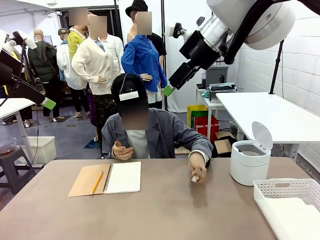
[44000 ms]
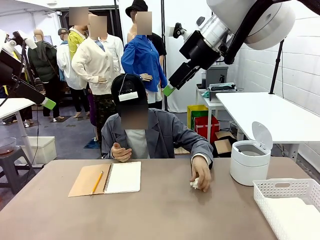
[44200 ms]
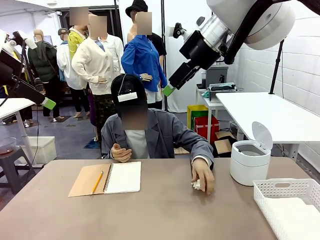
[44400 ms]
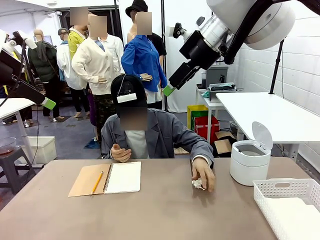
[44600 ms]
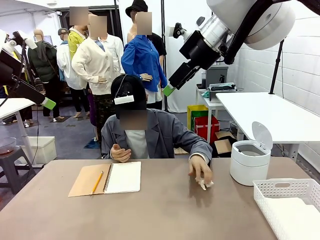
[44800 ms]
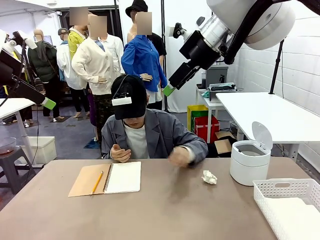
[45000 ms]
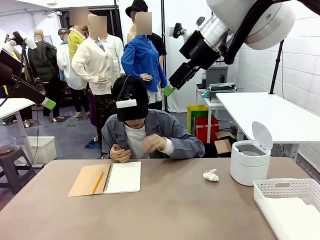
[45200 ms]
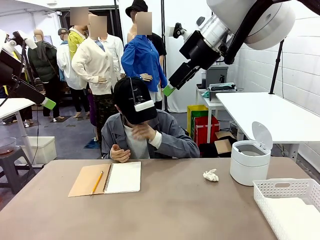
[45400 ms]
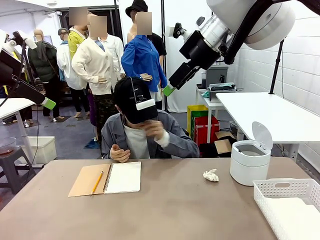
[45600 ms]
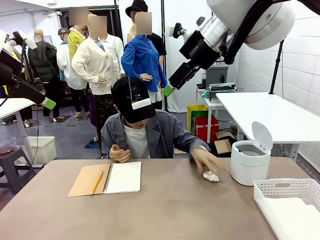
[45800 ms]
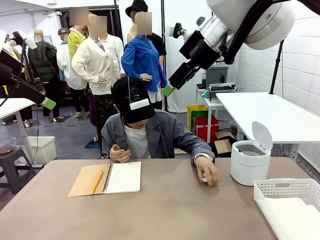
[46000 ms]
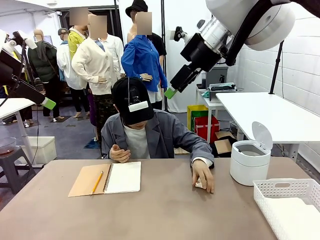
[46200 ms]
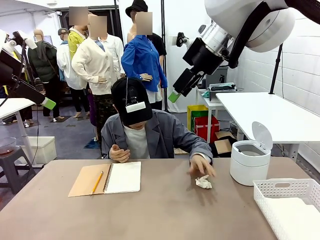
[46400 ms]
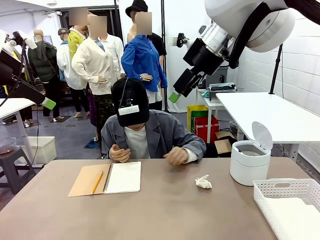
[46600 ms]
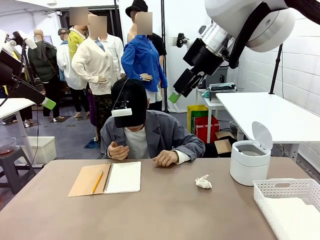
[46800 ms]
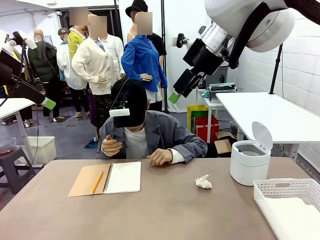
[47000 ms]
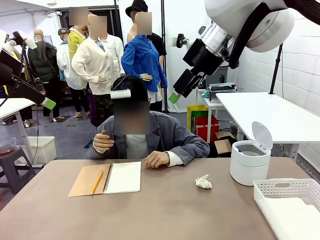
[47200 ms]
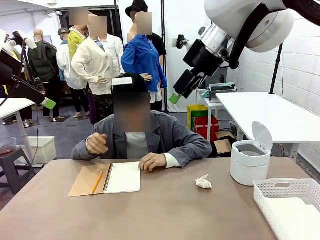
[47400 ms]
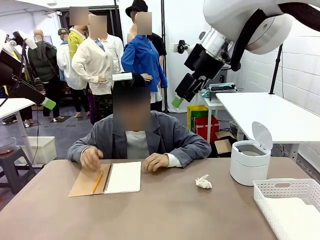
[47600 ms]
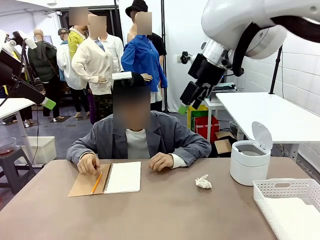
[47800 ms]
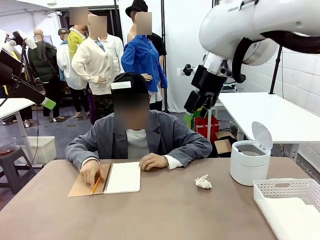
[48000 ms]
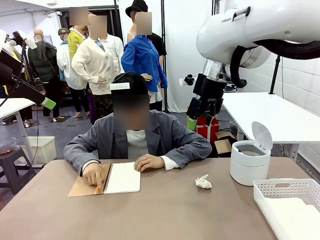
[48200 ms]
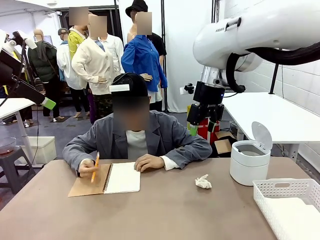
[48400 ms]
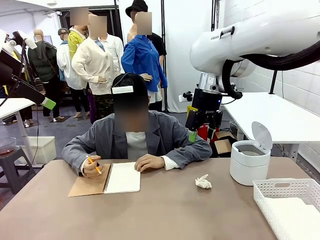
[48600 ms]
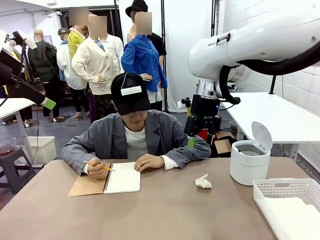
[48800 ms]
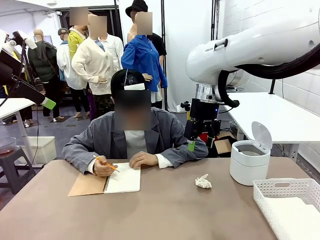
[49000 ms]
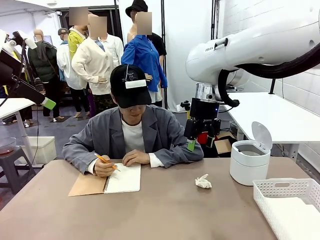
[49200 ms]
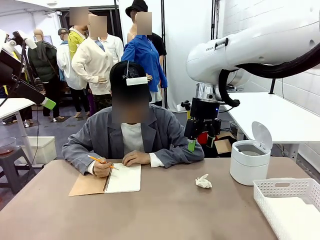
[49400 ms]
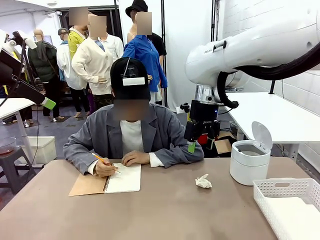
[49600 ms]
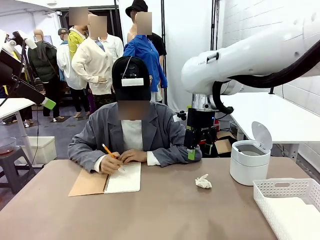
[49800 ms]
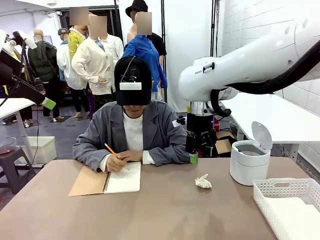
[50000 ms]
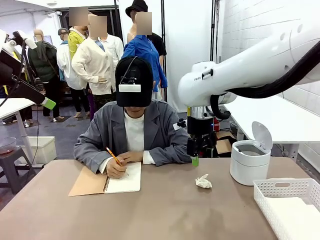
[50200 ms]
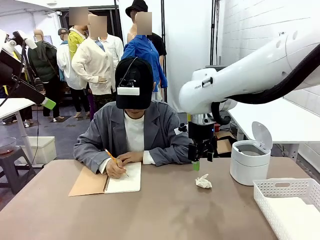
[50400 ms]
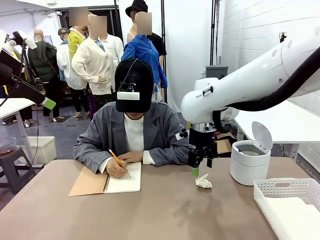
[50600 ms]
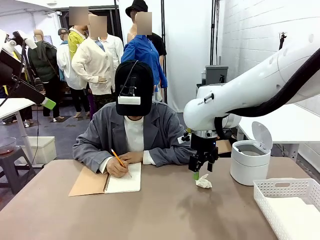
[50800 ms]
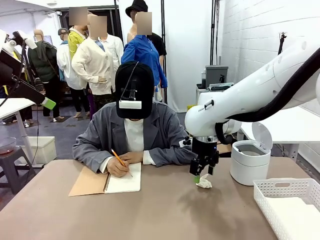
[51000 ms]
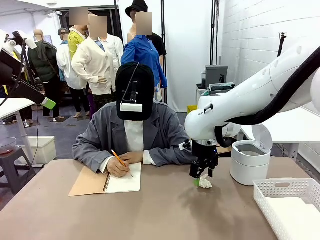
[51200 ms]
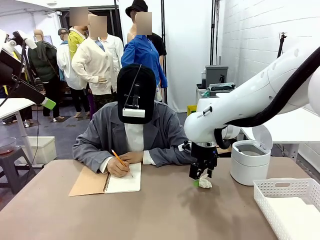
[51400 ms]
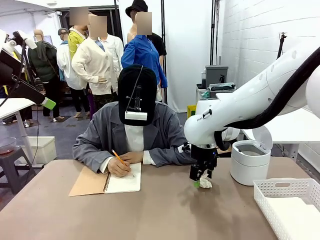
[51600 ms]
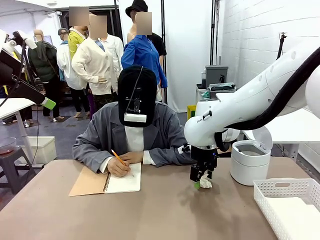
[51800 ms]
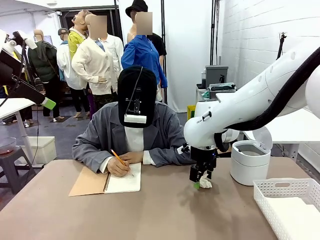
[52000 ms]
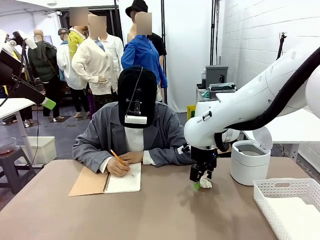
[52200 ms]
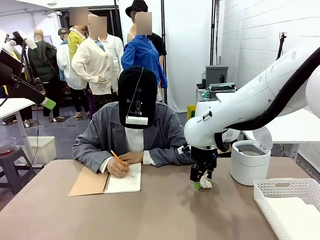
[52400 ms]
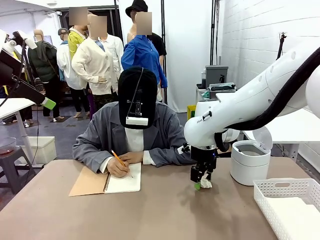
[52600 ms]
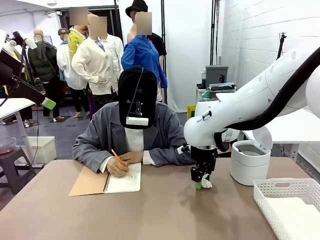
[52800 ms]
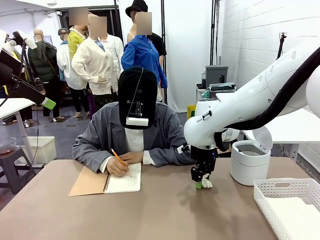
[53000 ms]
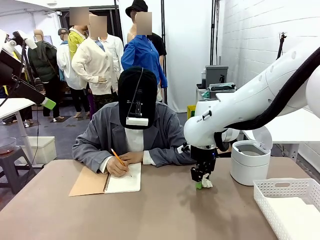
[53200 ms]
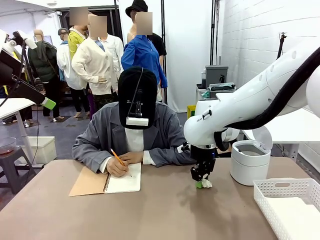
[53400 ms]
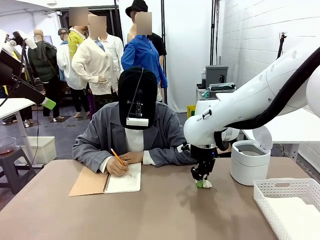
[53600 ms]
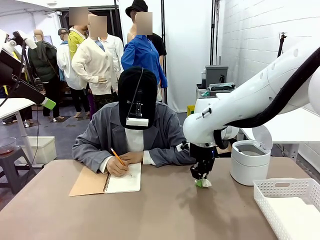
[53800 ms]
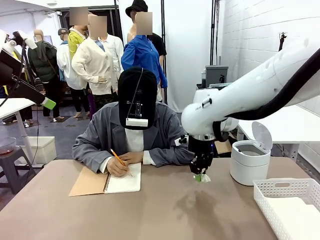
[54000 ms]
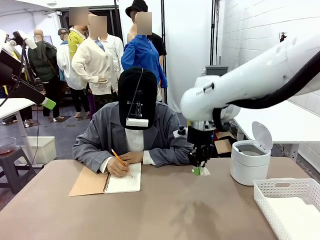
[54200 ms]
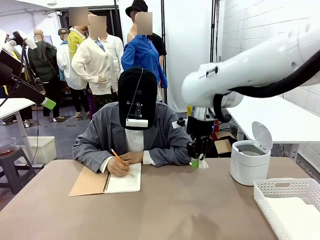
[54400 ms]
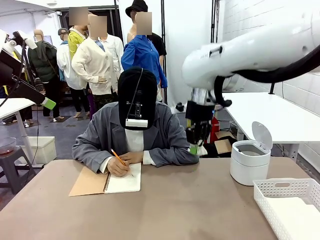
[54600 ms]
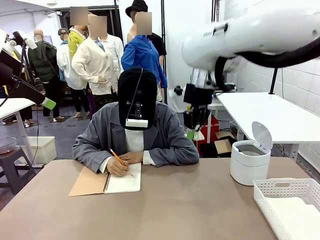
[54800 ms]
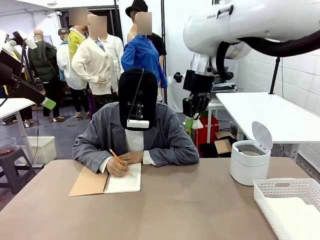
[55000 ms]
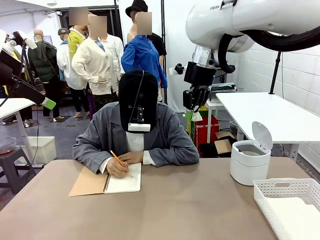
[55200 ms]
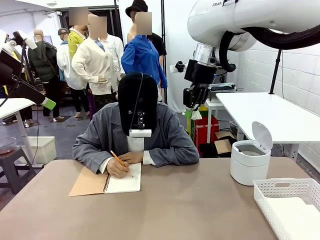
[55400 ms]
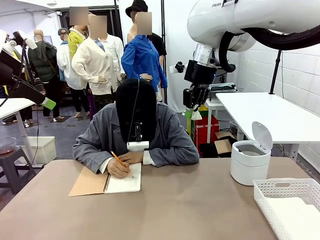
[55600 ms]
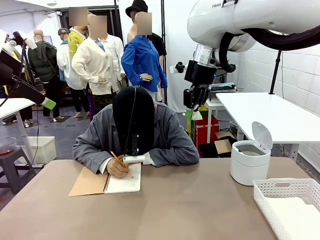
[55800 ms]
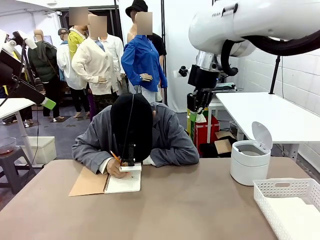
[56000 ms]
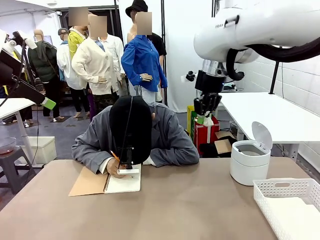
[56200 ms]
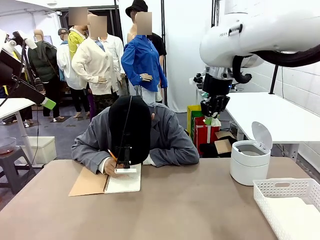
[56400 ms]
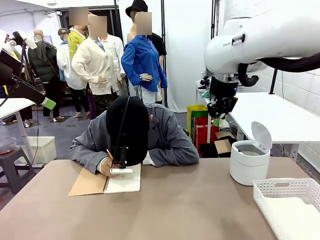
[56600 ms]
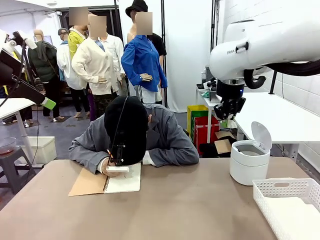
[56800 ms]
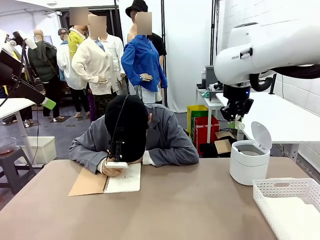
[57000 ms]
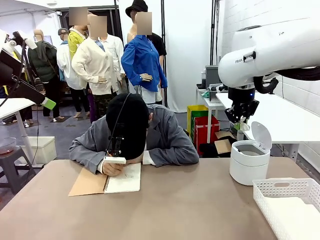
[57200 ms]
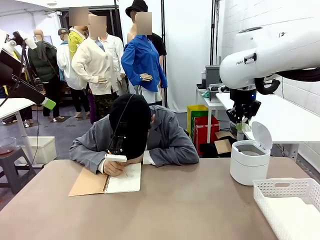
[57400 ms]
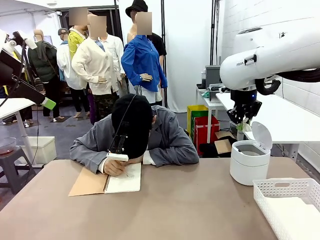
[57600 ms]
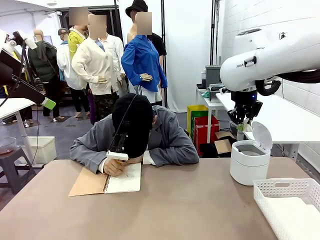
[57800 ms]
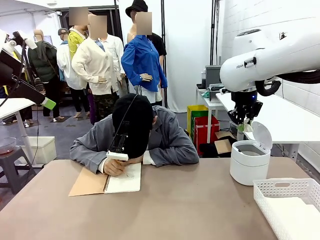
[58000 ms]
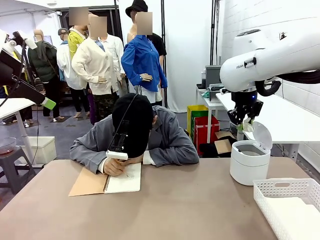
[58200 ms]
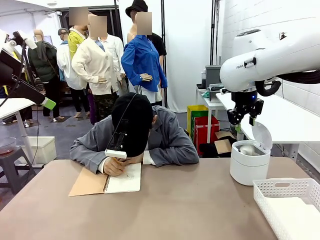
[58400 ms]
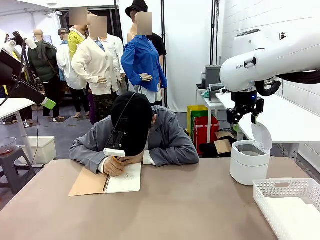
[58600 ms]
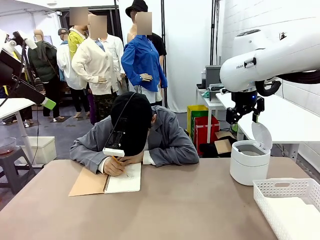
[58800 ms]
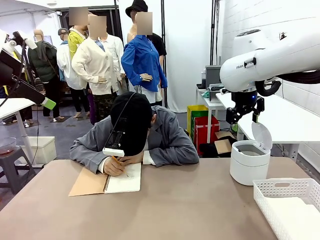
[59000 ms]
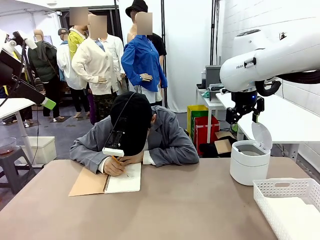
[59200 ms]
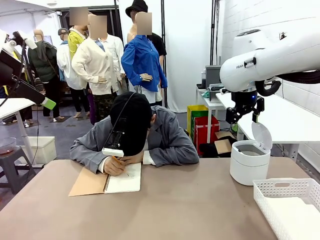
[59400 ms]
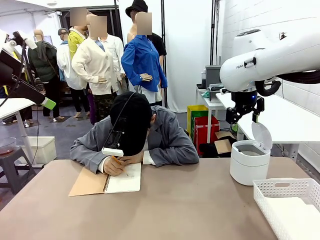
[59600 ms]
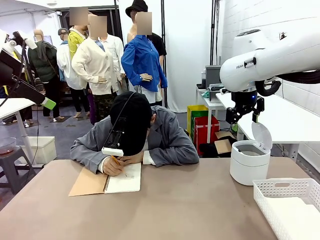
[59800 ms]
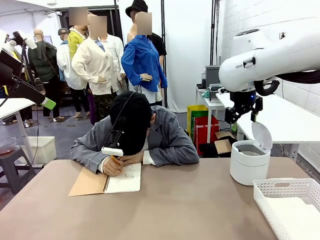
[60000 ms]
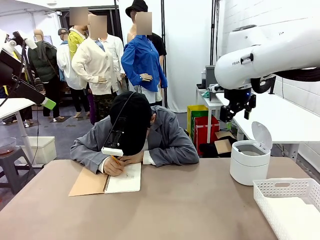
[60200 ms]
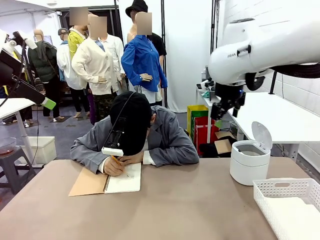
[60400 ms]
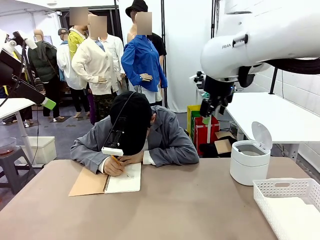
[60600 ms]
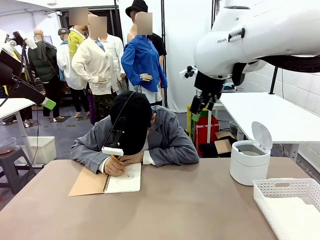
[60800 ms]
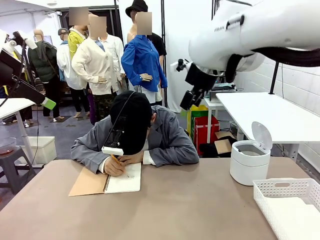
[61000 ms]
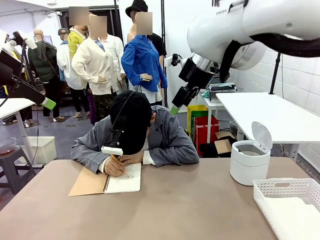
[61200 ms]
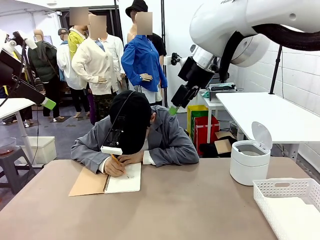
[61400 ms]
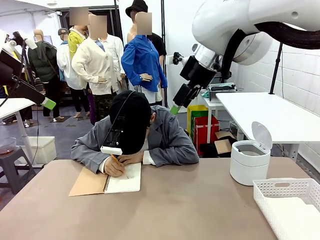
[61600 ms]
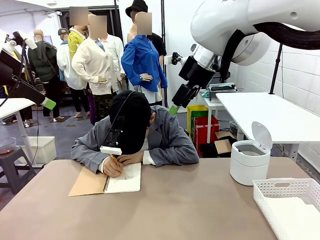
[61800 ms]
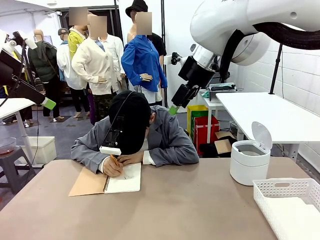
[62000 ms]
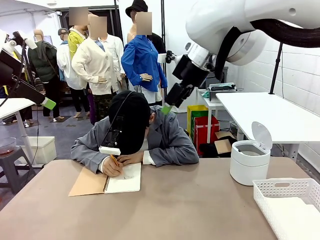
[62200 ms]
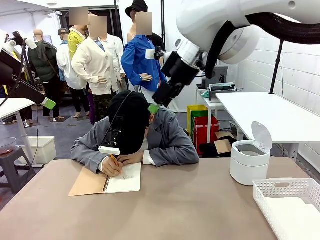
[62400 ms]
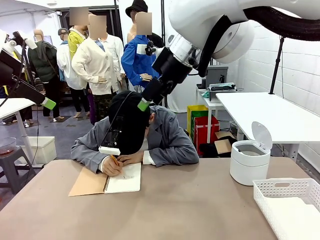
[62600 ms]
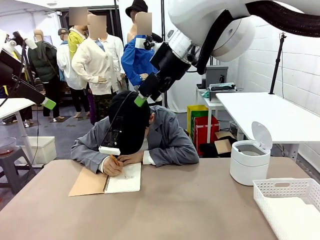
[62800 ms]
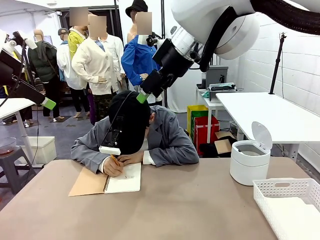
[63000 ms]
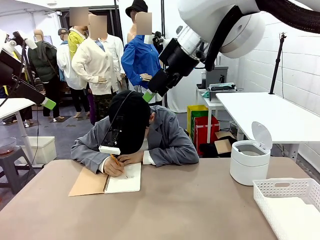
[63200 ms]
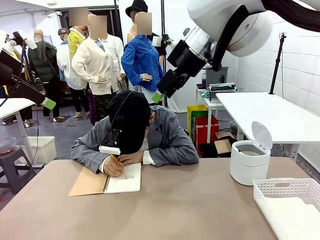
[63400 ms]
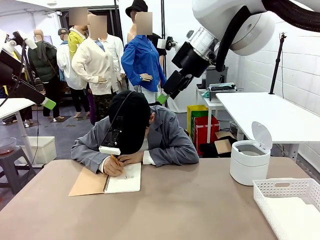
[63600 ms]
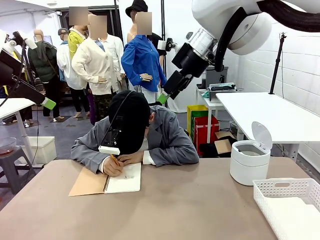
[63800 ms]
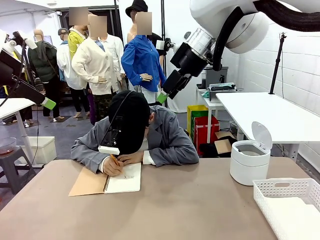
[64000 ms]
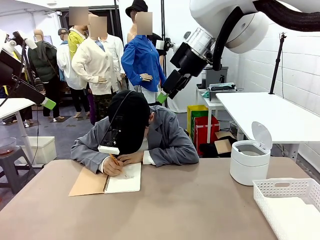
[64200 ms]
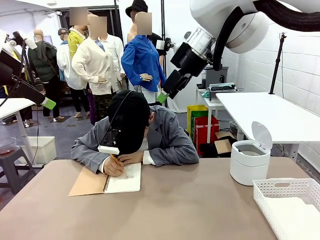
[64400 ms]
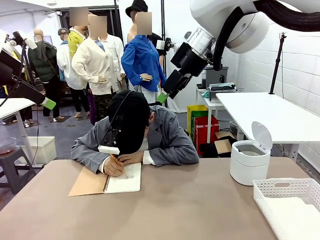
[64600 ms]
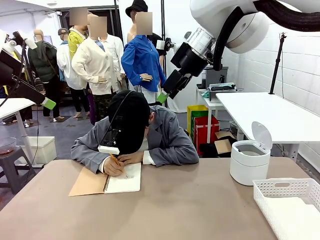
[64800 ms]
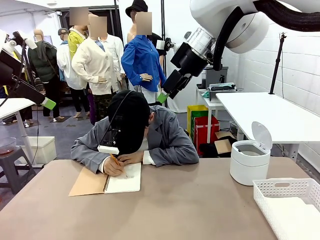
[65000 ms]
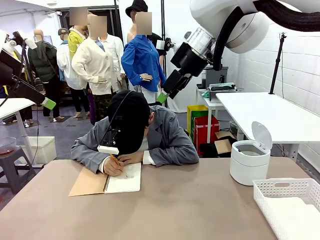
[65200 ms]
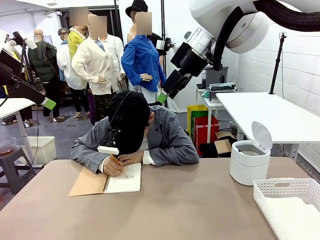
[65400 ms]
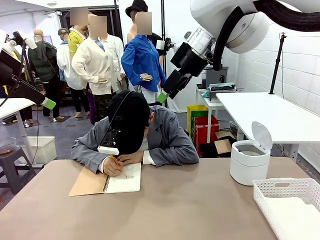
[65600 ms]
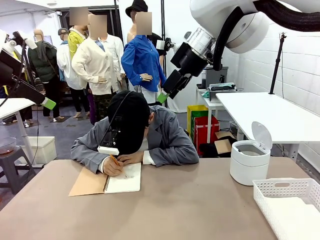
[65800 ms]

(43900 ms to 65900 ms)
Task: Sort the paper based on its condition.
Robot: If a person hands you a paper, place it in the Organizing basket , and if it's crumpled, put it in the Trash can.
Person: Hand the torn page to the robot or crumple it and throw it to the center of the table.
